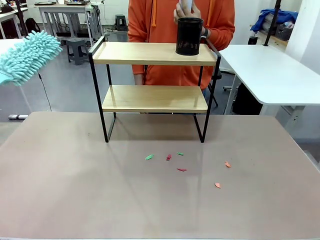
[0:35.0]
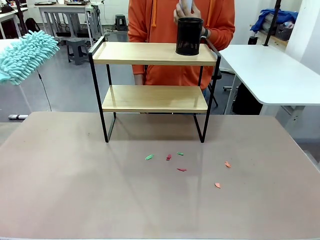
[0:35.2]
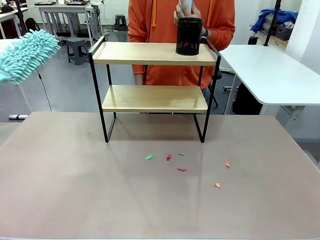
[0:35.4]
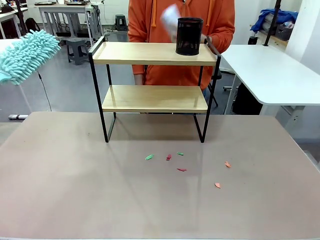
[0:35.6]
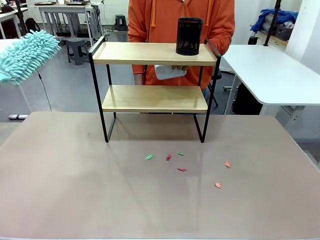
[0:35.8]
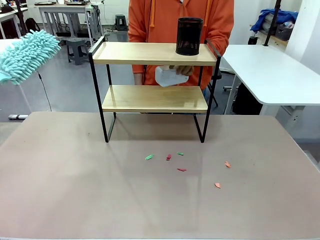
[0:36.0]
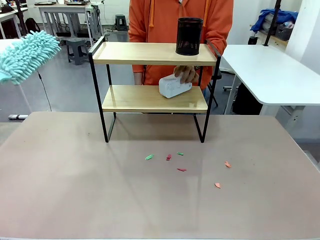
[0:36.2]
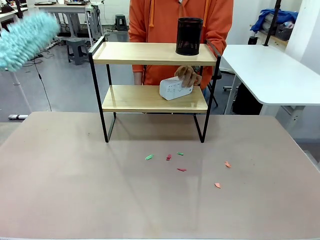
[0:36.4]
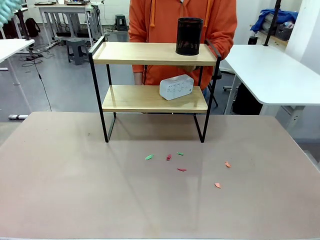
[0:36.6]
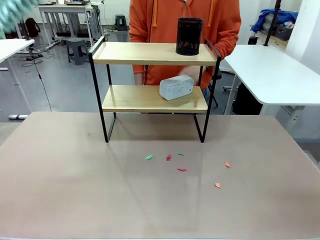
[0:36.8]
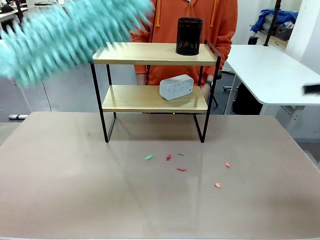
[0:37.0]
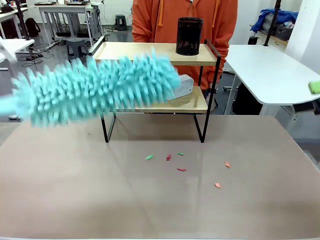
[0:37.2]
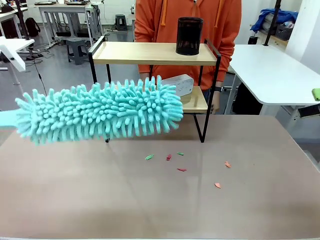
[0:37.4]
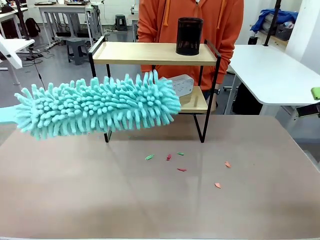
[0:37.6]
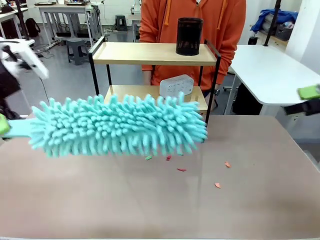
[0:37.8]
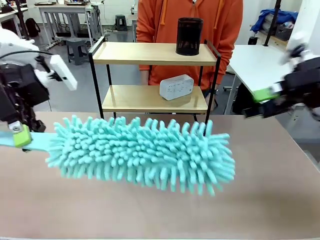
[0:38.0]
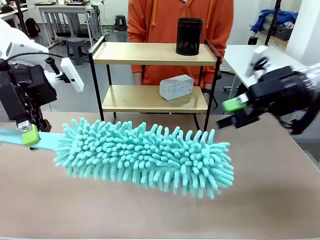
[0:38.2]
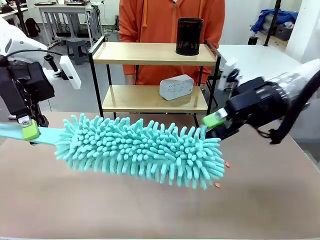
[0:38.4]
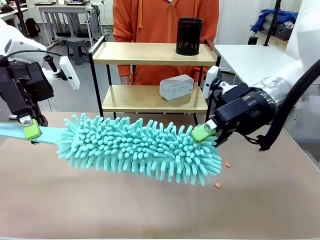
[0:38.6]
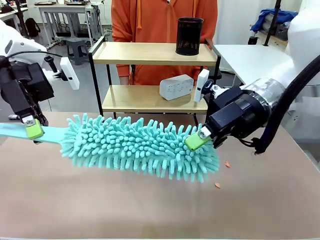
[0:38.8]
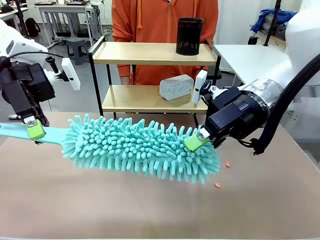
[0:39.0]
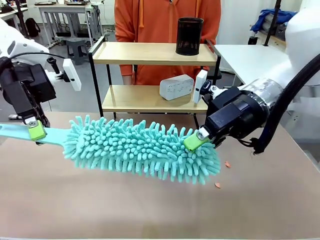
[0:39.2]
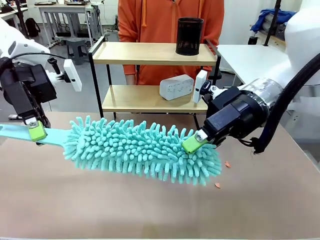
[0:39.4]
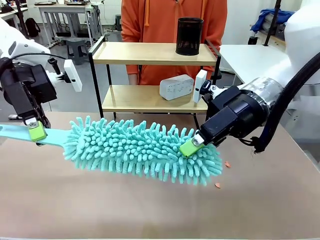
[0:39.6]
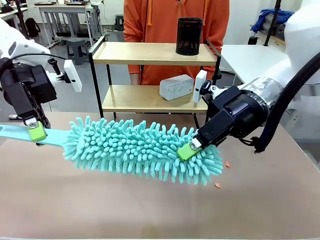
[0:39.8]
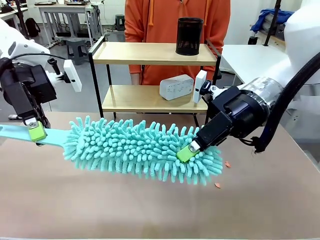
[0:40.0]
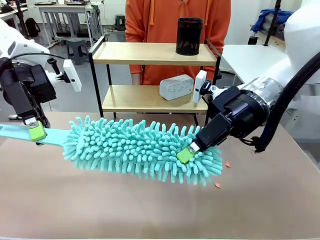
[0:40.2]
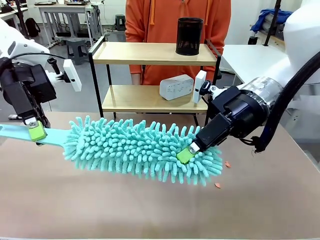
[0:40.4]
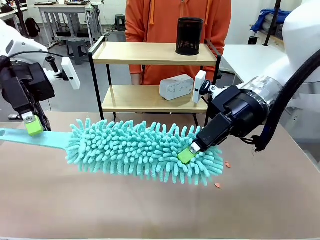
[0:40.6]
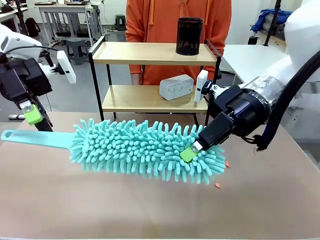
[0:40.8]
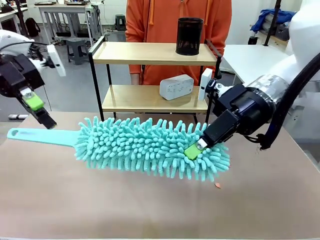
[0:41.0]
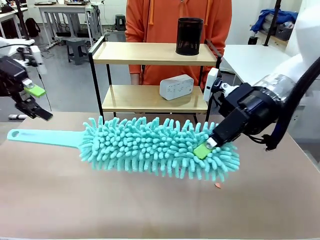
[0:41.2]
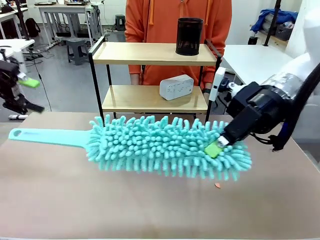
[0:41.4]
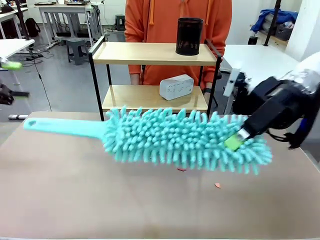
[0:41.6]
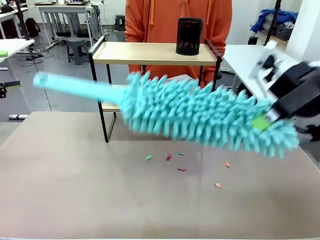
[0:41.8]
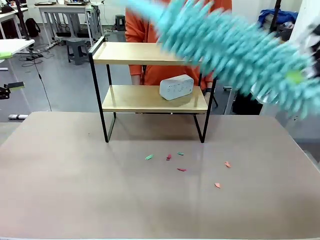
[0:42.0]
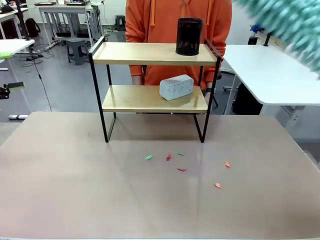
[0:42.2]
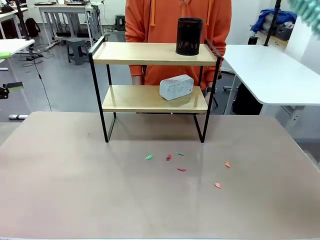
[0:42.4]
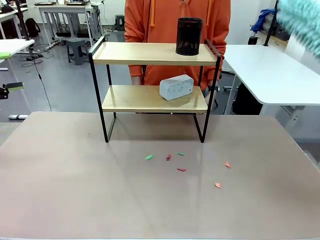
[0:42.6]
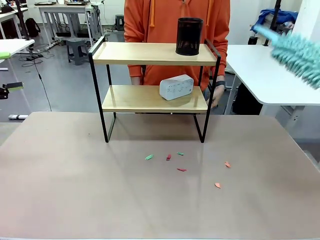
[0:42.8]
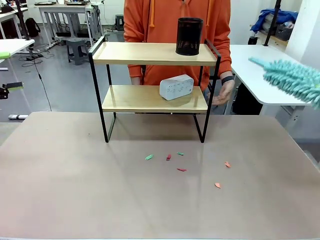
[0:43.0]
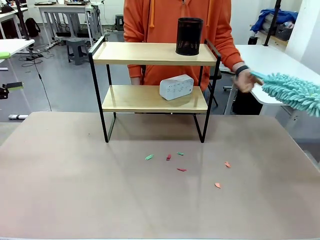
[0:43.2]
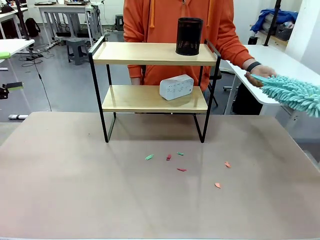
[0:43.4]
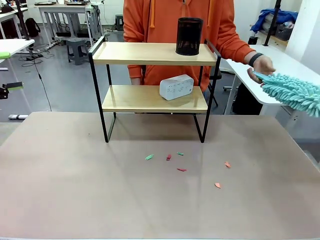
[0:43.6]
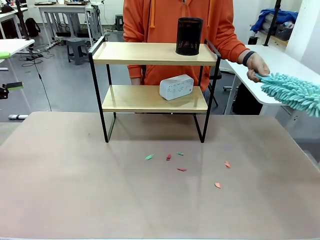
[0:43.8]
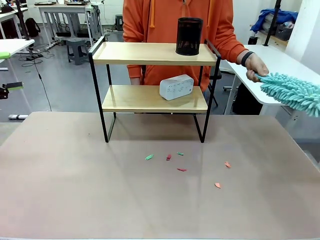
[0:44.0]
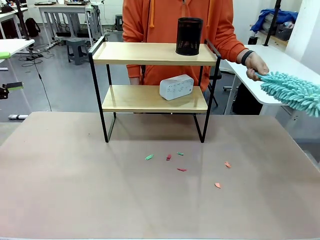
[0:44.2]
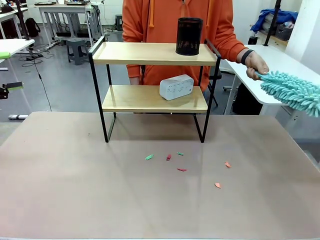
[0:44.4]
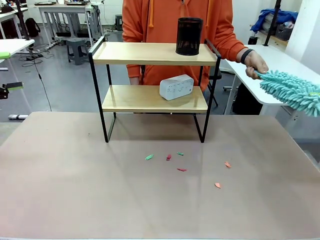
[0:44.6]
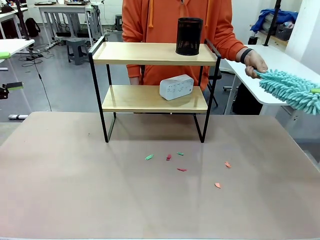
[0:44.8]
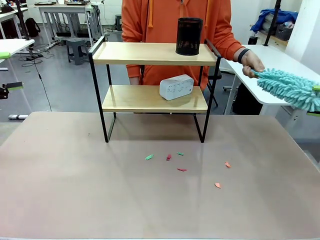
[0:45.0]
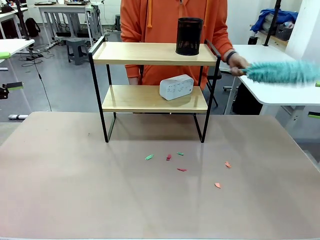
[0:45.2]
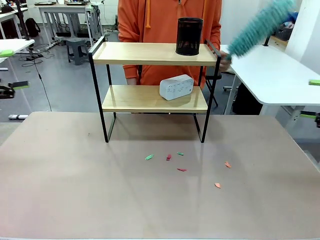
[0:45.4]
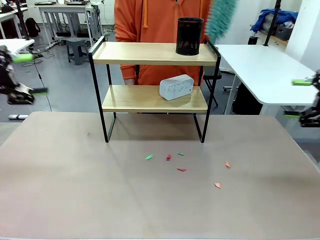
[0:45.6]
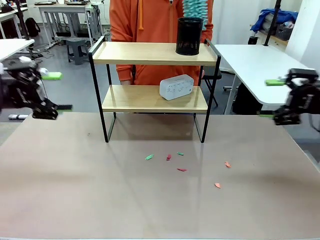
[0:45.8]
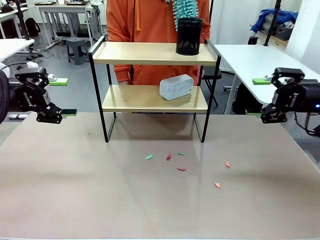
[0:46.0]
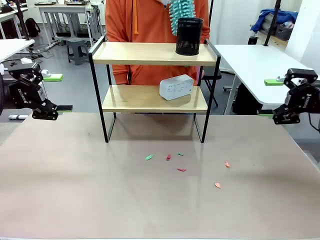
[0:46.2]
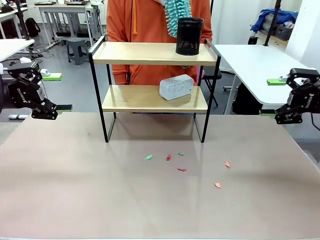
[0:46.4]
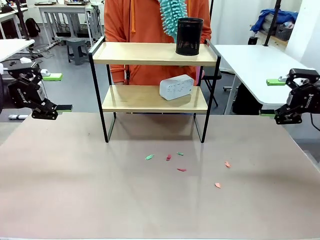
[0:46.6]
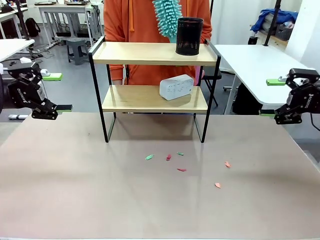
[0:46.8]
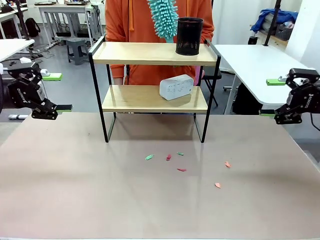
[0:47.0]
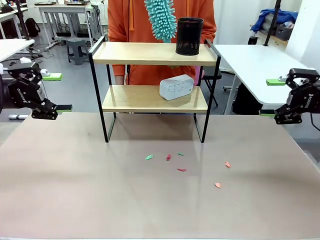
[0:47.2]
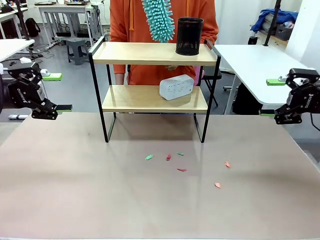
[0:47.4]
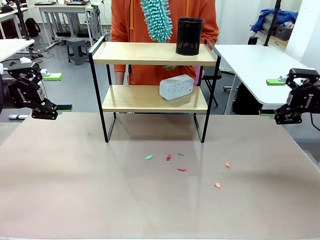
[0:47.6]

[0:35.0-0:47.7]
Task: Clean the shelf.
Robot: Hand the Duster back to the human.

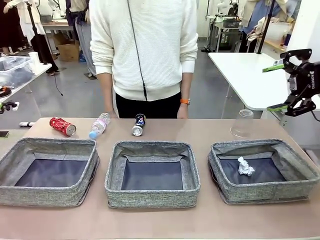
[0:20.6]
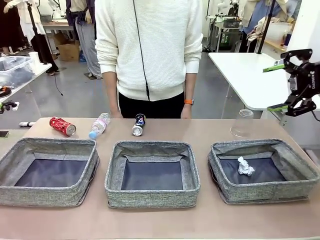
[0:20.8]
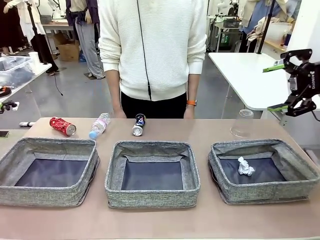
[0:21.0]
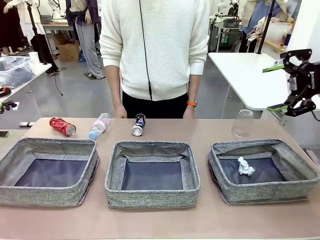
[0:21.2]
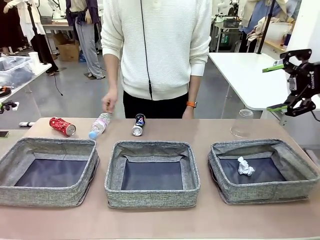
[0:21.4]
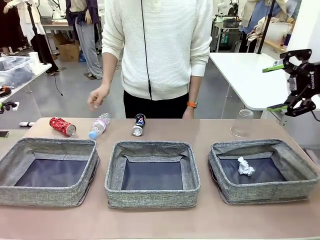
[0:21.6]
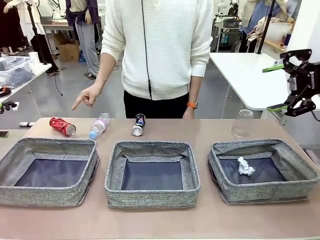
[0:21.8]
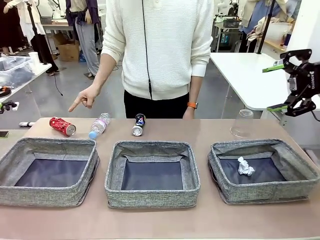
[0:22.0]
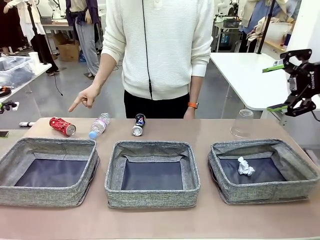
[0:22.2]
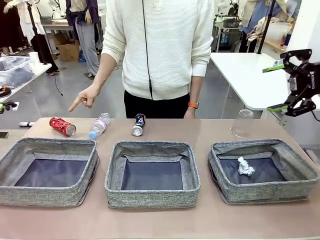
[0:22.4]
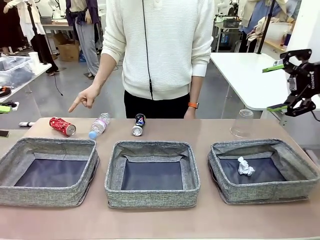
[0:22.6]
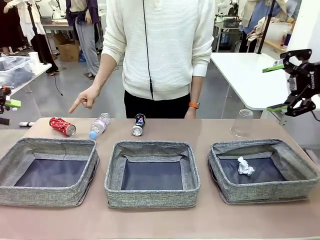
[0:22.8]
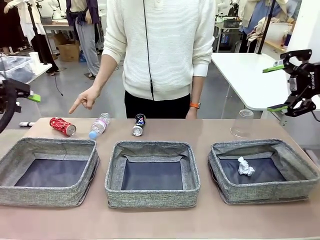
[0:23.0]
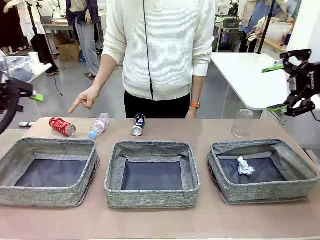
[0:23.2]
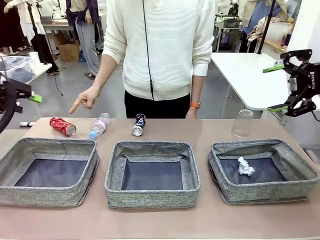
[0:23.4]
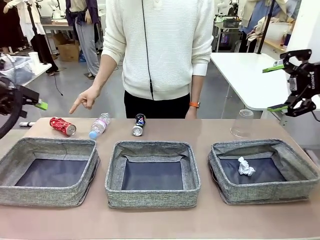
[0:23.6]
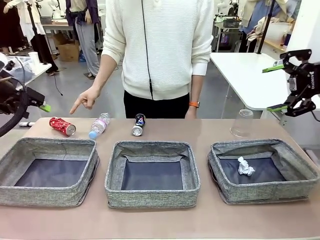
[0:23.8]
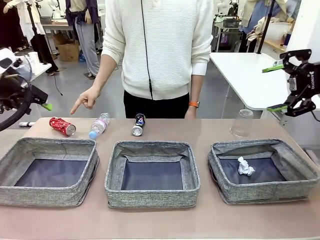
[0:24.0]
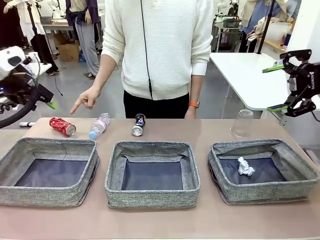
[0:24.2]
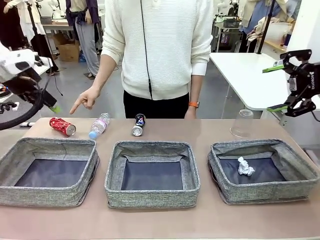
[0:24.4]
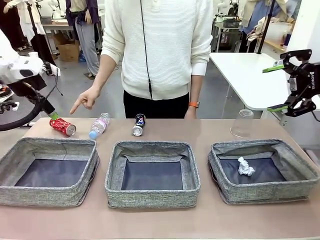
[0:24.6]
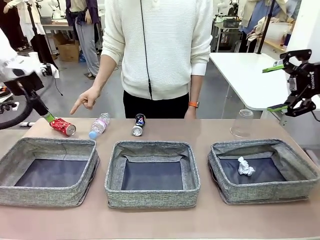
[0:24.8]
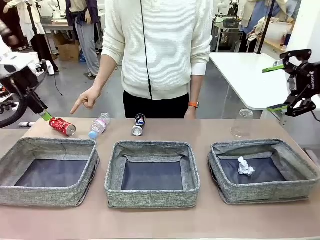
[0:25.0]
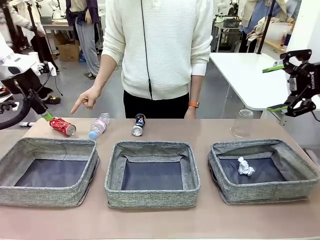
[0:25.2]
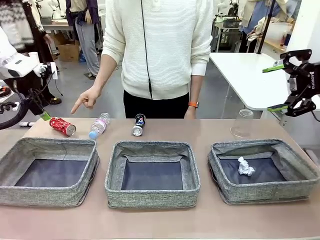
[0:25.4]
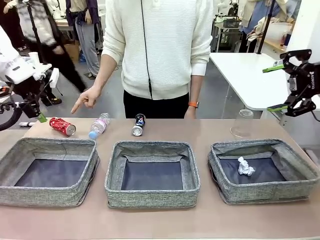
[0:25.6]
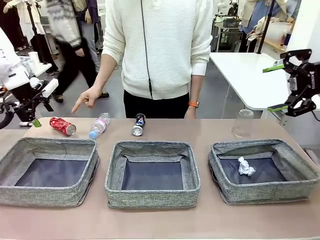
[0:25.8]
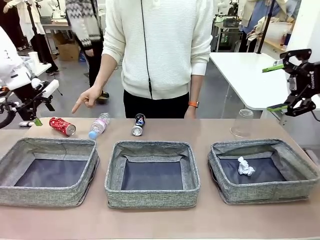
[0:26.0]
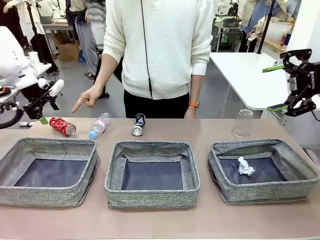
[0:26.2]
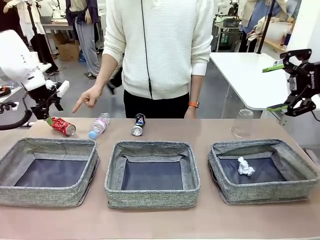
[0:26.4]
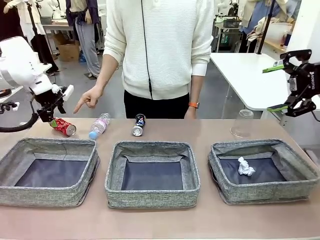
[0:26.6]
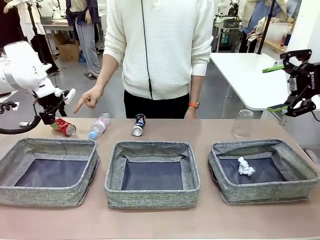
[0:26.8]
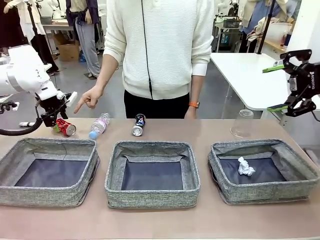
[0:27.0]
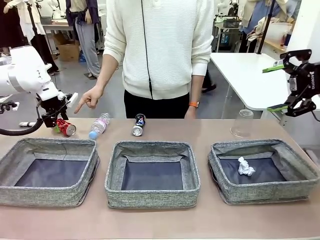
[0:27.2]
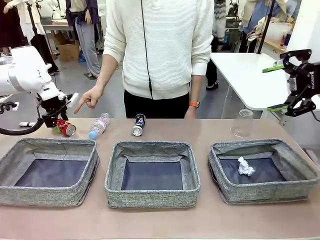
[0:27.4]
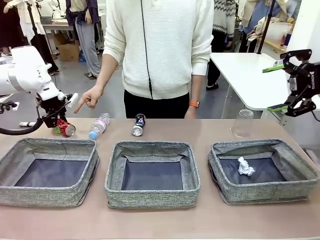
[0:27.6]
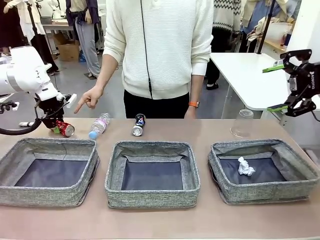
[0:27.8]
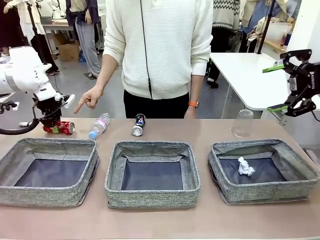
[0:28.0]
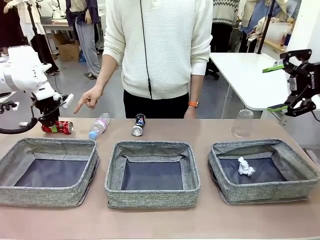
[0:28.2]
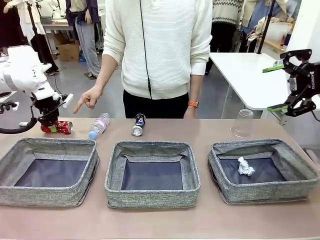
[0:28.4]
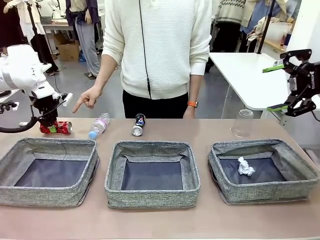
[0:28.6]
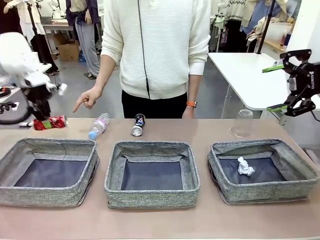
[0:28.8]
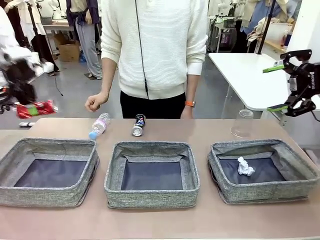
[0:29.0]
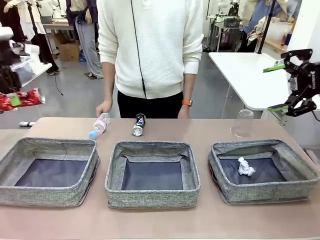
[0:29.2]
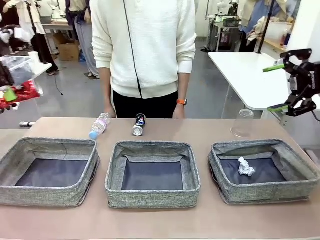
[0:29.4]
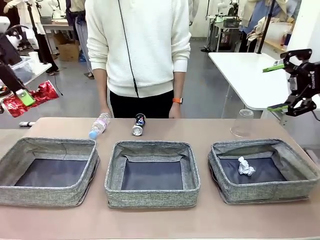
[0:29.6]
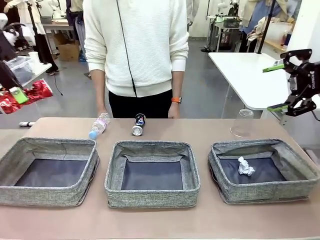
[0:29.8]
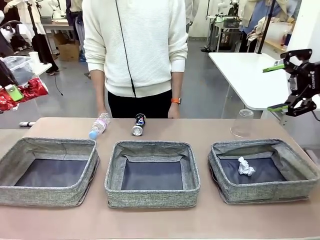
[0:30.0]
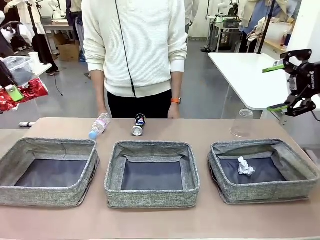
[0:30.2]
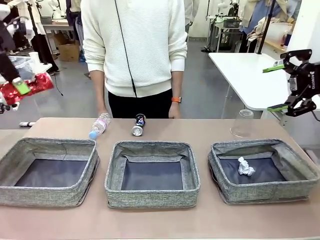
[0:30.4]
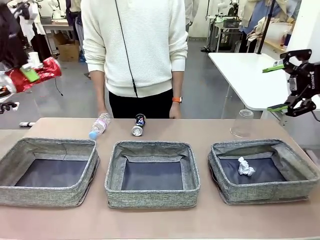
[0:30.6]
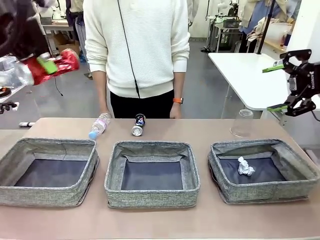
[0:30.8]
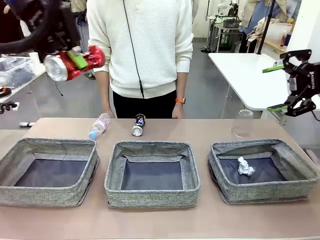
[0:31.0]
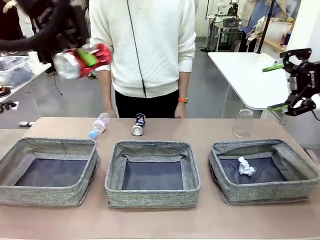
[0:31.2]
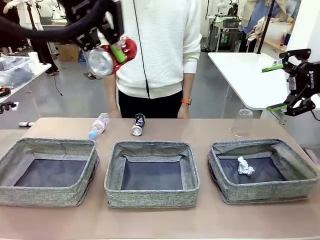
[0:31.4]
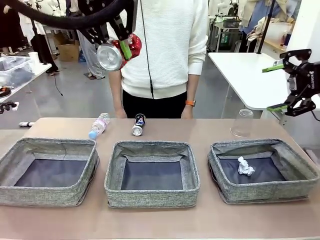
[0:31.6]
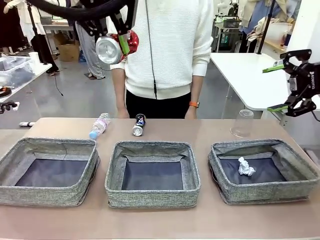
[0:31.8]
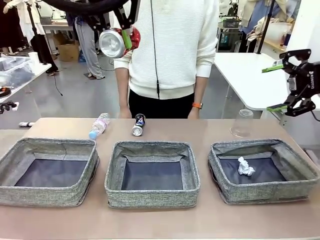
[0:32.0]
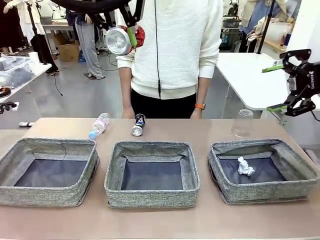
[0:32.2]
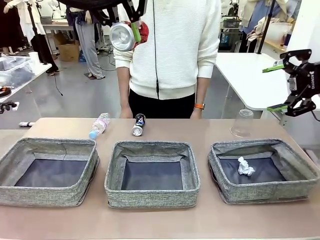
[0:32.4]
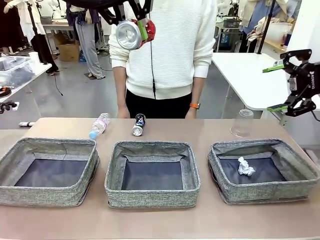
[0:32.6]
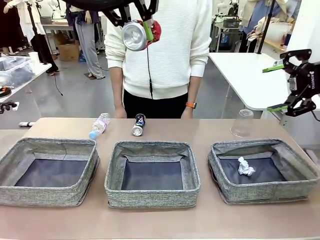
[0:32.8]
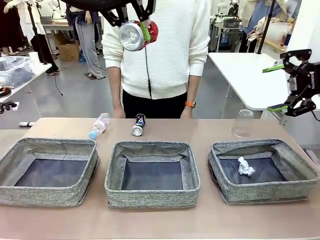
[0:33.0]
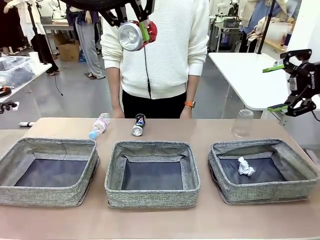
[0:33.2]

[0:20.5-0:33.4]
Task: Sort the waste into the appropriate baskets.
Robot: Pick up the waste item pointed out by the person.
Person: Points to one piece of trash on the table.
